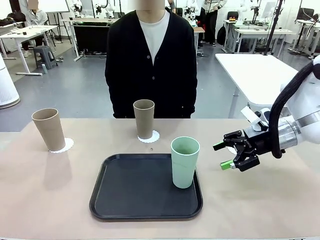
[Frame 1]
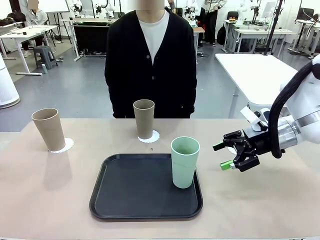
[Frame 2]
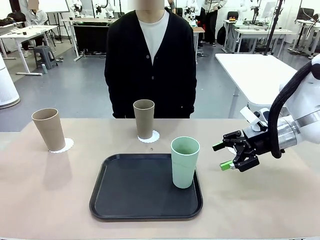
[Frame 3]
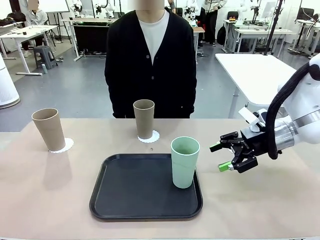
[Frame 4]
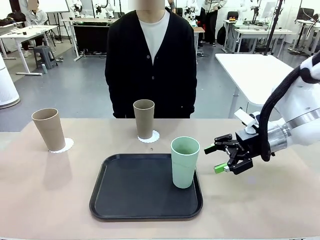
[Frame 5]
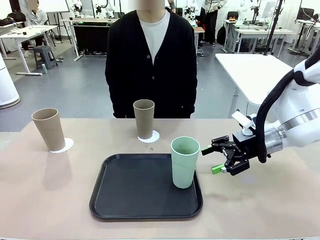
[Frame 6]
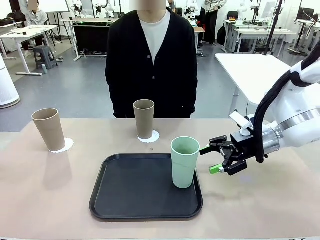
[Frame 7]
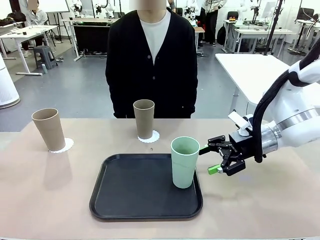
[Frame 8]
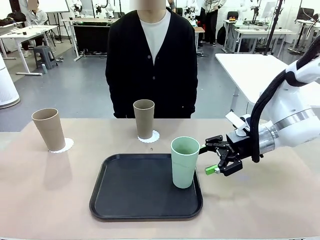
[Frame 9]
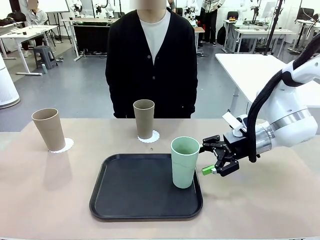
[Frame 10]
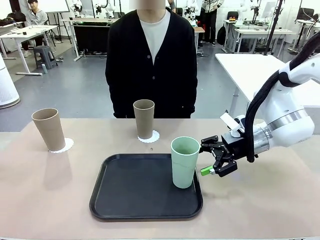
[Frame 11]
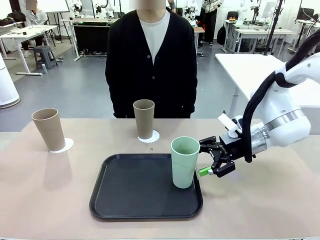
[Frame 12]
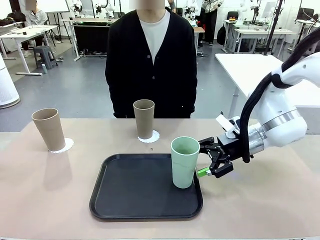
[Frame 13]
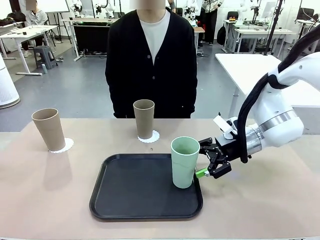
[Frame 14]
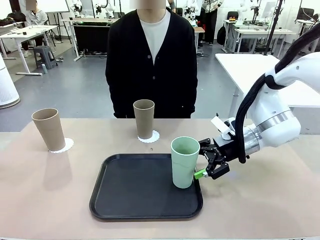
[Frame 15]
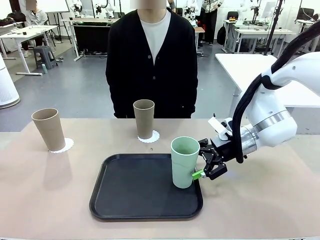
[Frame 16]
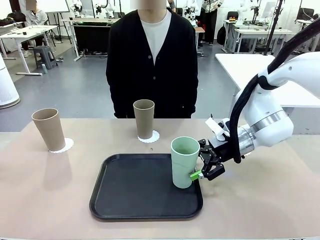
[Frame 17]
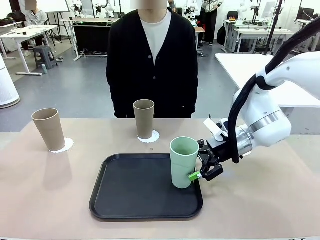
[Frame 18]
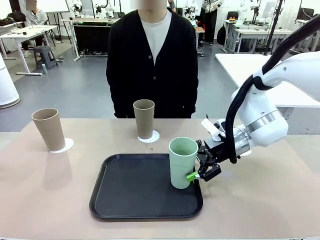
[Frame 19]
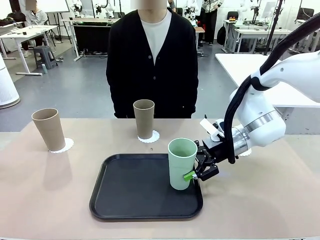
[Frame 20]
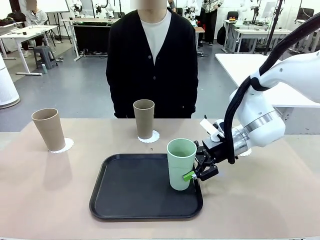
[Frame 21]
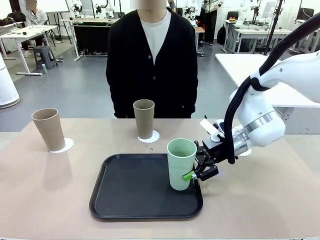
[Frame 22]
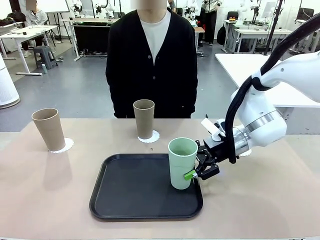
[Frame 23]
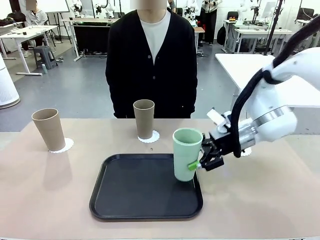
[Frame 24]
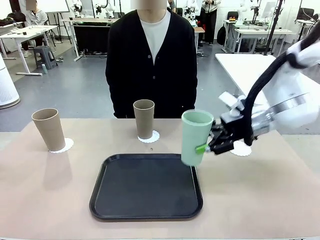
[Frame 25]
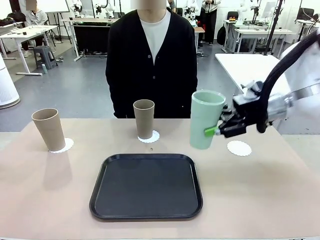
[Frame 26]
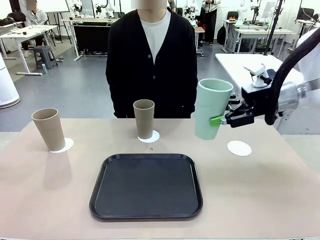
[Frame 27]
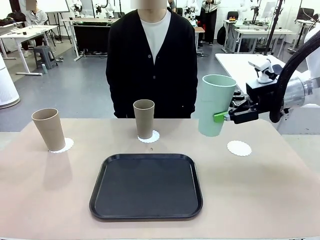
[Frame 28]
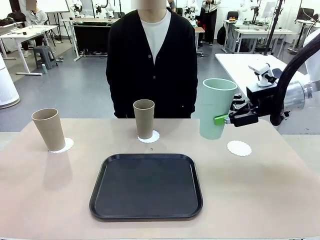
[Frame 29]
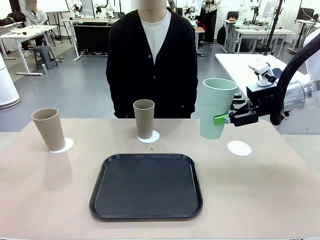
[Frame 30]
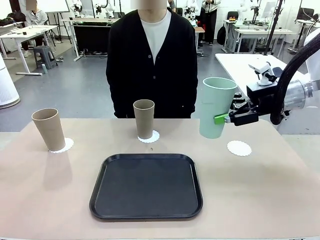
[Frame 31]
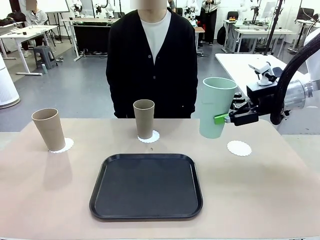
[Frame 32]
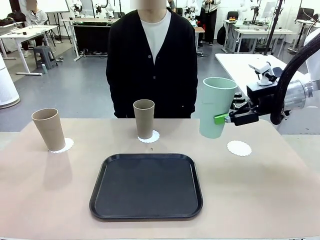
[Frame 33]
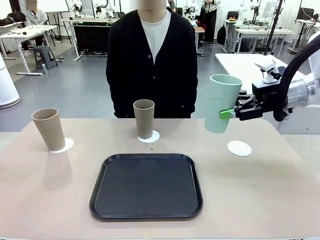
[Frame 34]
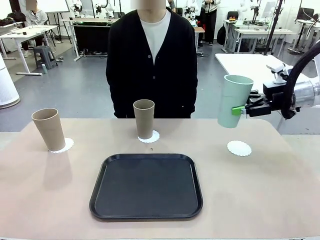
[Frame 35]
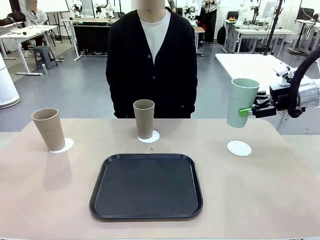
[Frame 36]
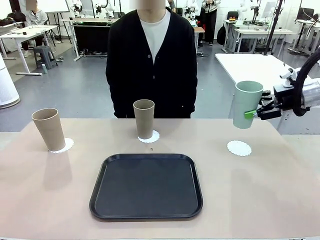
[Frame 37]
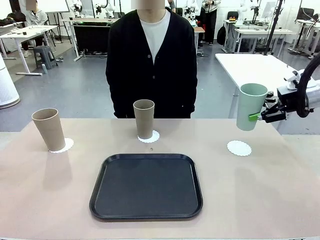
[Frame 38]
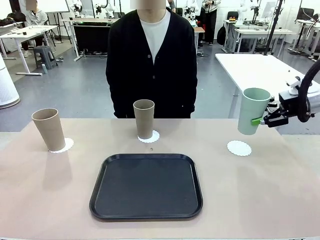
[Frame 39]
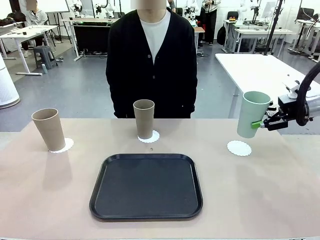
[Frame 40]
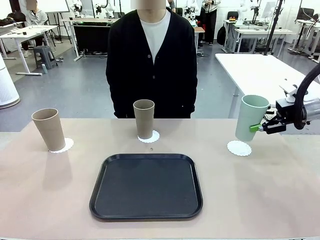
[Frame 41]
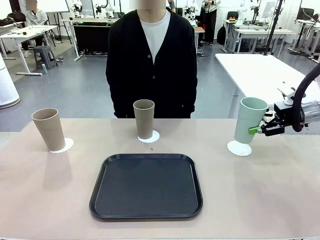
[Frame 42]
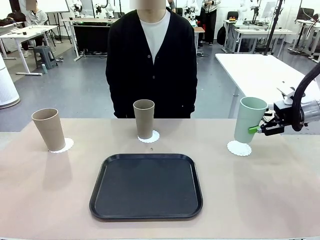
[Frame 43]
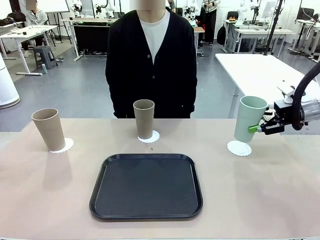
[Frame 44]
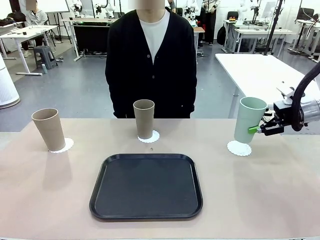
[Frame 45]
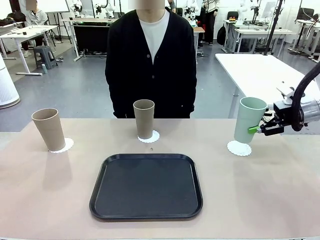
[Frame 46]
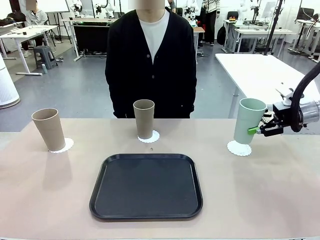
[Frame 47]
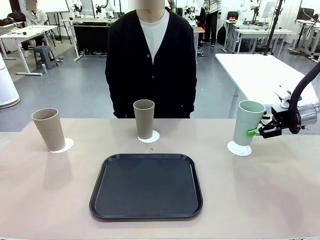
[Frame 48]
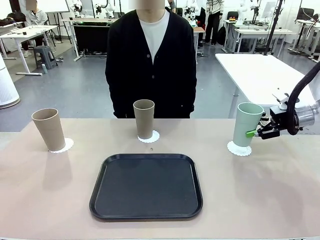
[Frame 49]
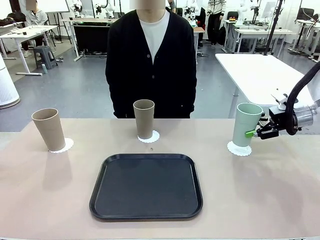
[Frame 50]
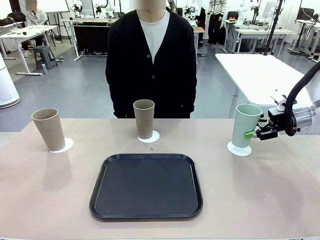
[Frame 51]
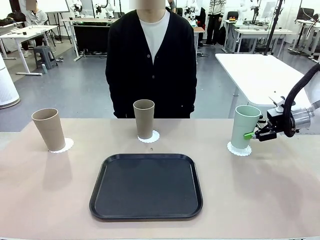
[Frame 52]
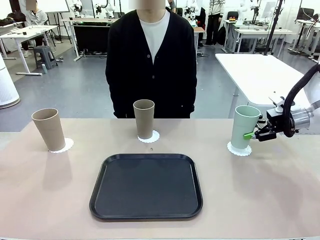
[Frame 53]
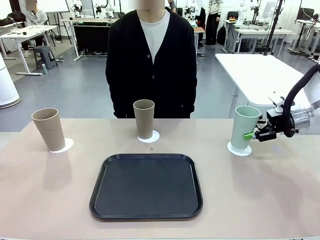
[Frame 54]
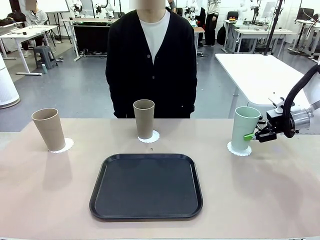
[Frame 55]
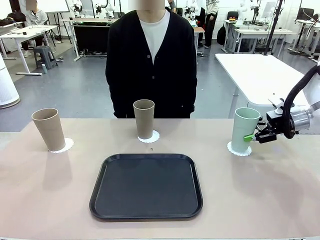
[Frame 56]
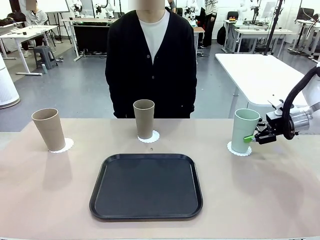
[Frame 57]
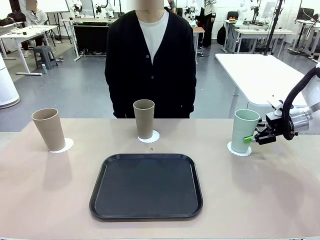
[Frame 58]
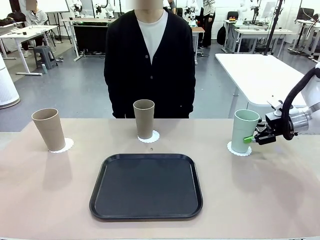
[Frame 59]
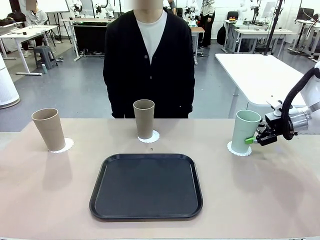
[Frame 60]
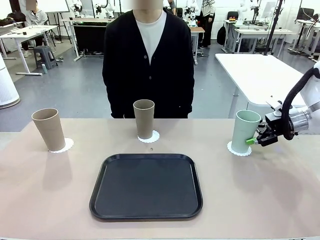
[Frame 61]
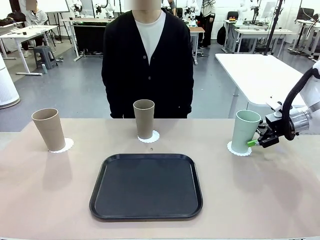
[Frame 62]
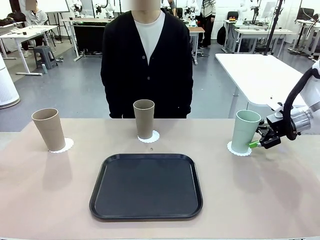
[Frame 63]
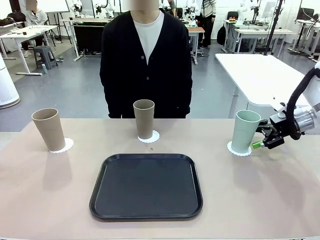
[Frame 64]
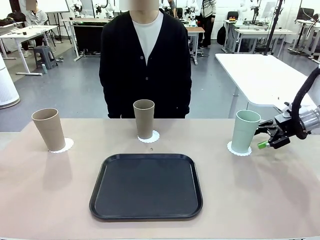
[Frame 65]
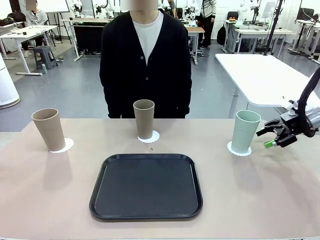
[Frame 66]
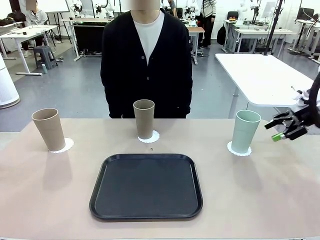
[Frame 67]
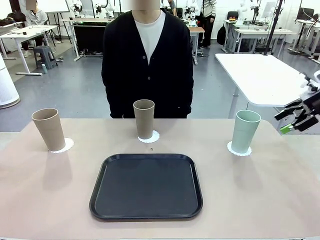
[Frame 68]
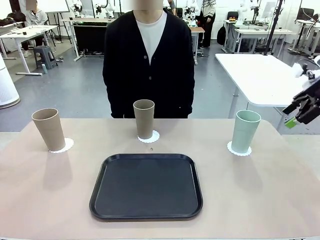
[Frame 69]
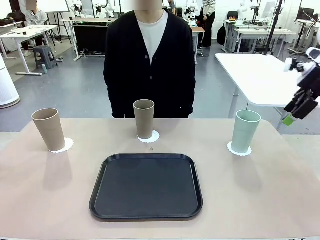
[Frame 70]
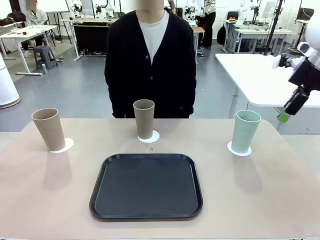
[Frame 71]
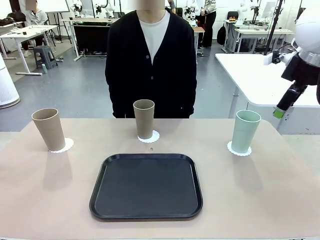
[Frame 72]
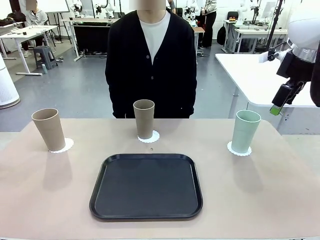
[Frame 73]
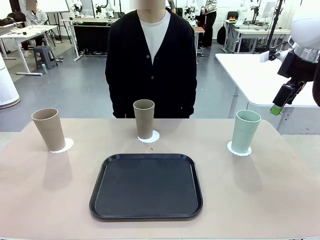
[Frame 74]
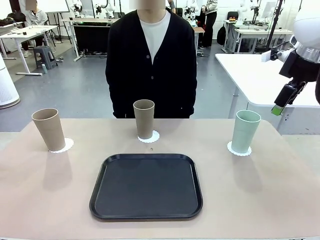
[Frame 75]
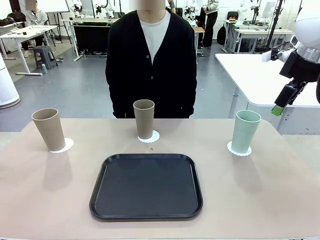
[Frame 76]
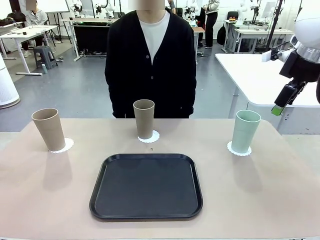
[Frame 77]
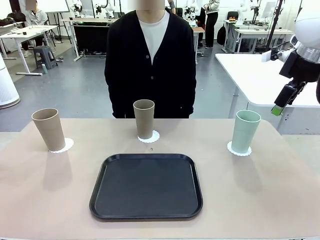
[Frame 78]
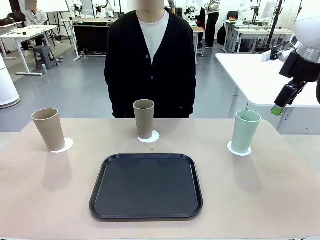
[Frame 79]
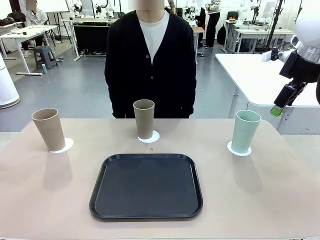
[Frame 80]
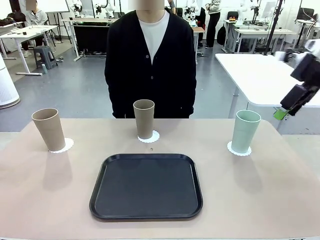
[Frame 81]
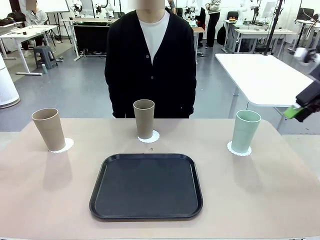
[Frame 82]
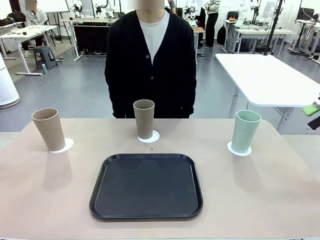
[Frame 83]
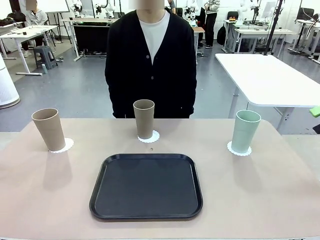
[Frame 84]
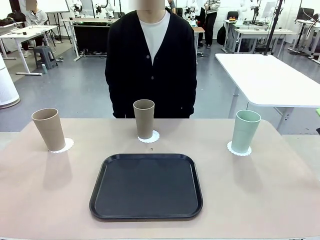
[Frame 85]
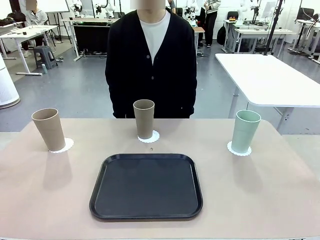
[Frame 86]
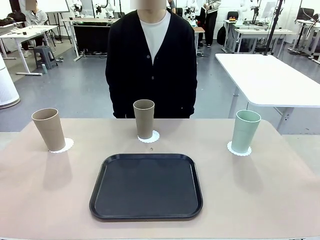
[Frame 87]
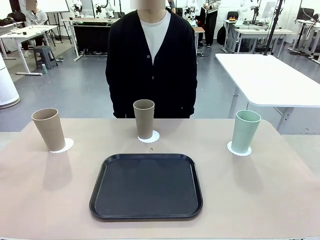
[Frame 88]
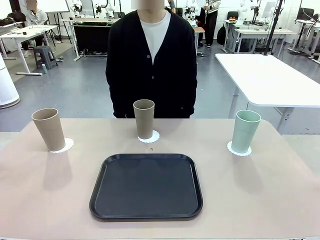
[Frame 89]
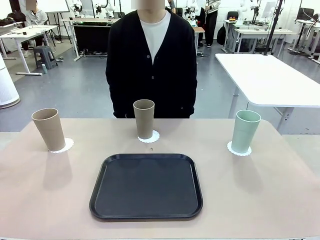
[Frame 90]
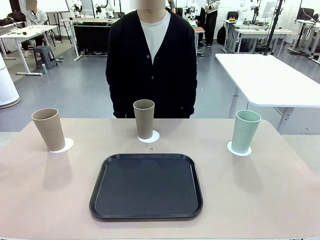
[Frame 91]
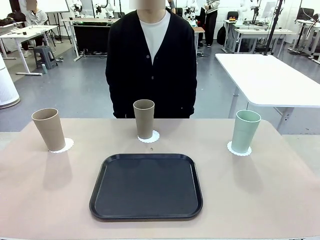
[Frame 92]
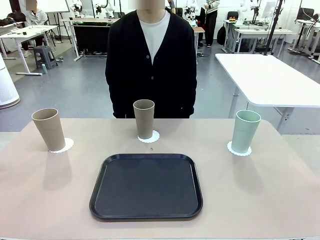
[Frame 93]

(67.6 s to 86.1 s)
Task: Place coasters on the table and set cups on them.
Robot: Take one Reusable plastic cup from the Flat Tray and place it on a coaster set by the human.
